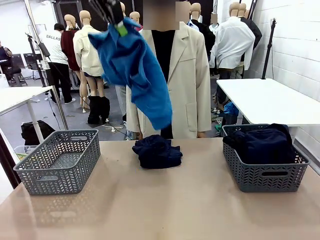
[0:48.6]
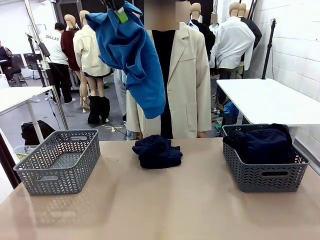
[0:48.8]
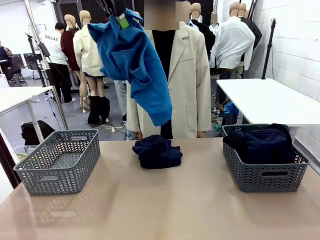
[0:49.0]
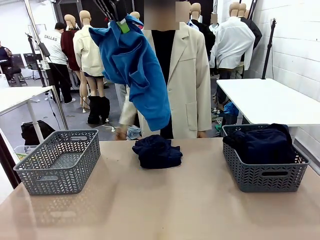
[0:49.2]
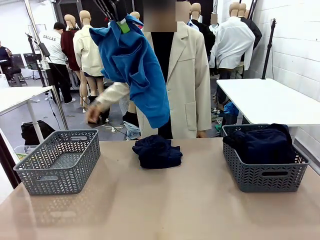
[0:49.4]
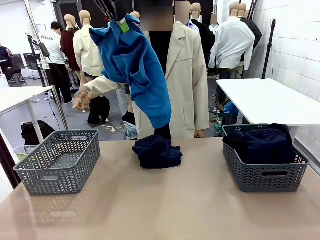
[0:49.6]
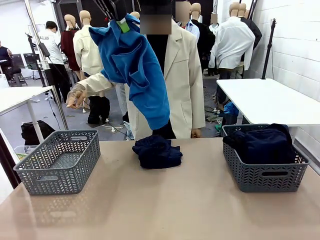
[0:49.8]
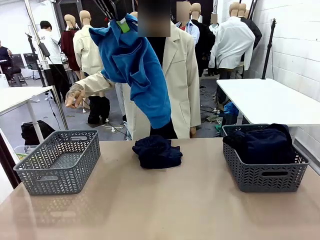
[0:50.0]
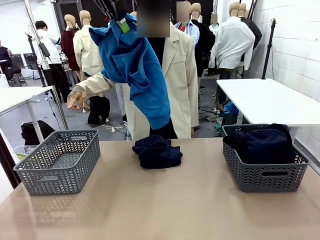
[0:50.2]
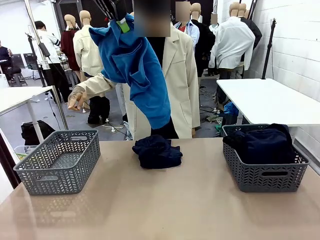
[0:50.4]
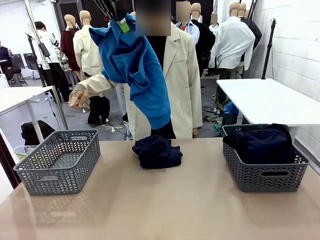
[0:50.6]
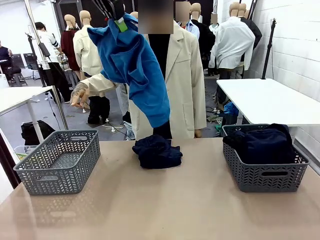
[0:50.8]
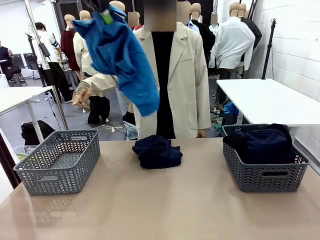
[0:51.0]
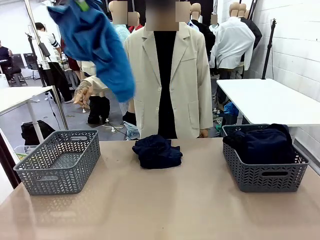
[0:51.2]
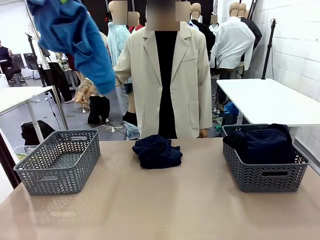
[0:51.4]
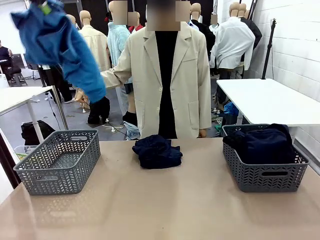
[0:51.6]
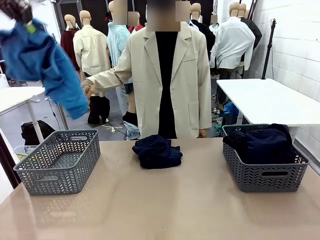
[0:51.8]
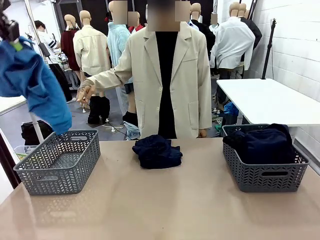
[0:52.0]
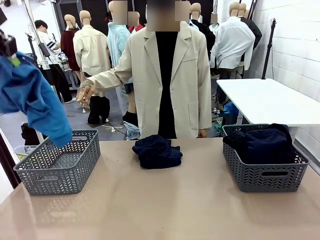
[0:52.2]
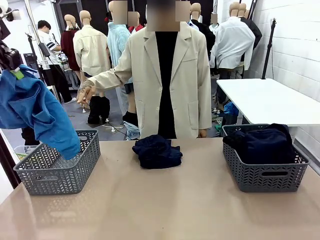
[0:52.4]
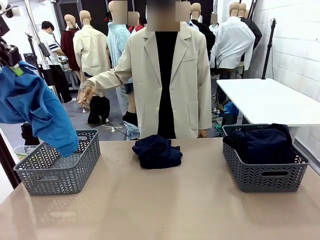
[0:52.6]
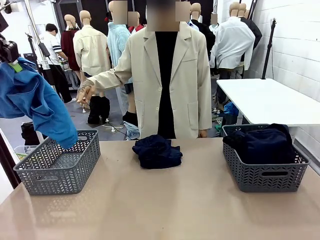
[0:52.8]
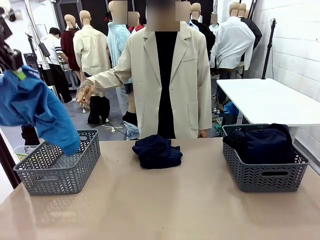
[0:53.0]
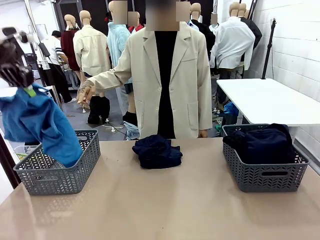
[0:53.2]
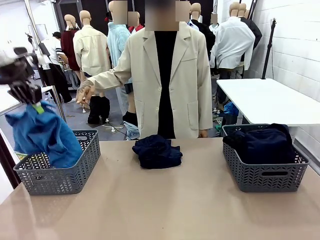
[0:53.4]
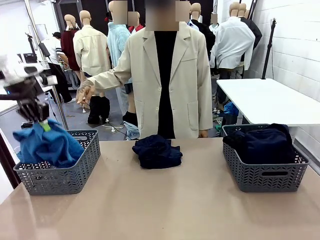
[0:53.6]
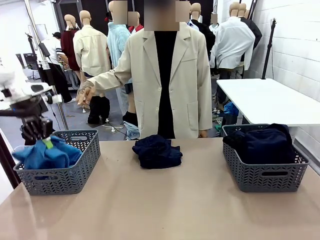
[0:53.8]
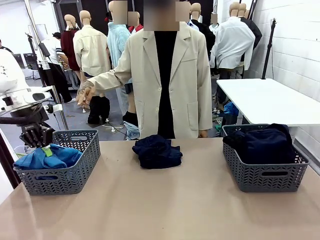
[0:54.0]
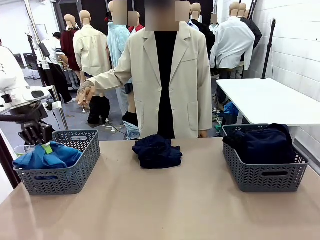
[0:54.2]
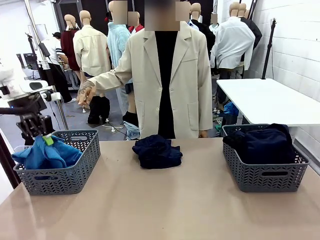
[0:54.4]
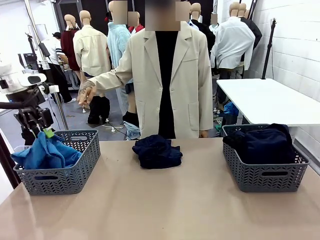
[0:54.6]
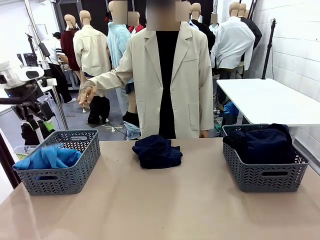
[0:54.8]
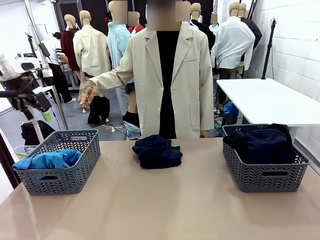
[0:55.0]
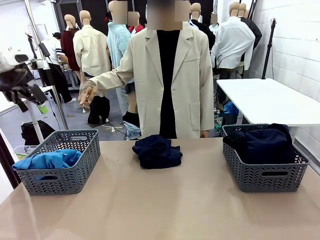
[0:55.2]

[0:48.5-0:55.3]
Task: Sort the tops and bottoms.
Robot: Sort the clothes according to human instructions.

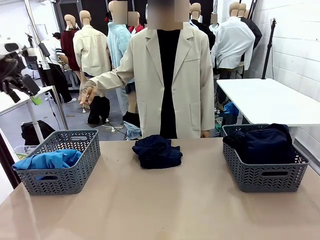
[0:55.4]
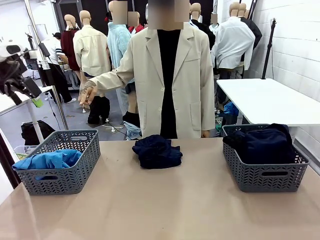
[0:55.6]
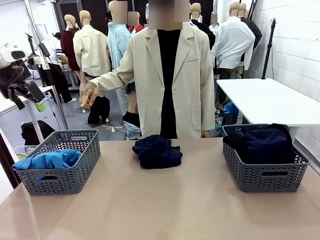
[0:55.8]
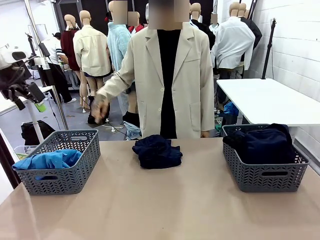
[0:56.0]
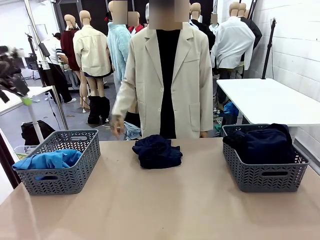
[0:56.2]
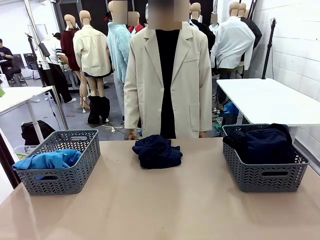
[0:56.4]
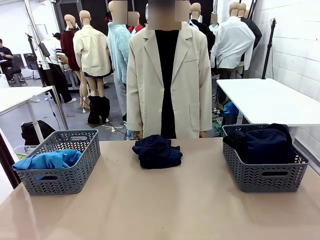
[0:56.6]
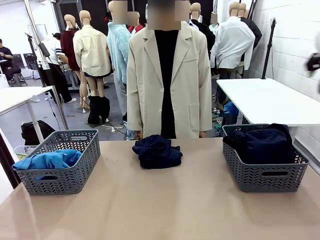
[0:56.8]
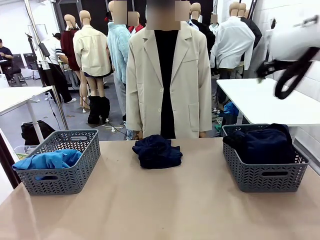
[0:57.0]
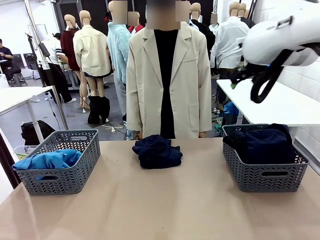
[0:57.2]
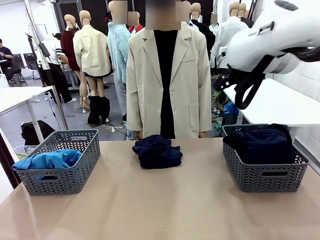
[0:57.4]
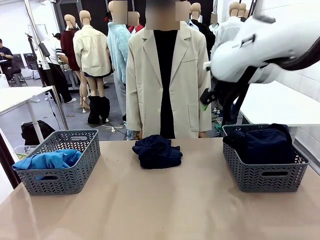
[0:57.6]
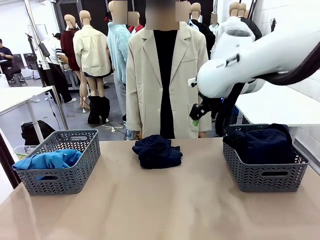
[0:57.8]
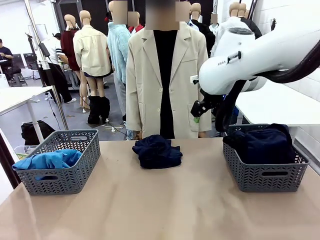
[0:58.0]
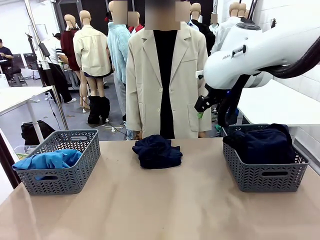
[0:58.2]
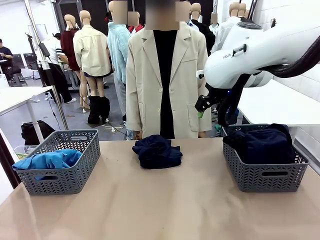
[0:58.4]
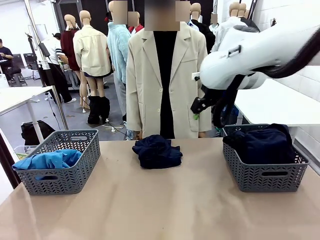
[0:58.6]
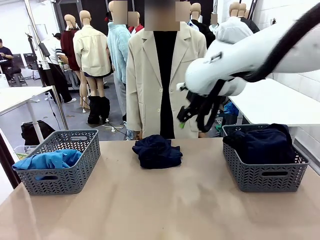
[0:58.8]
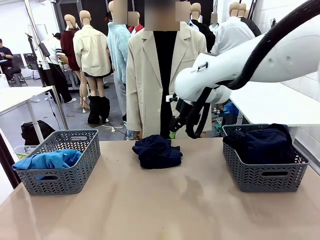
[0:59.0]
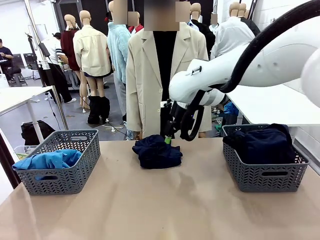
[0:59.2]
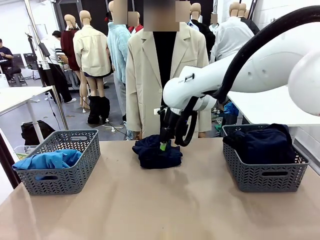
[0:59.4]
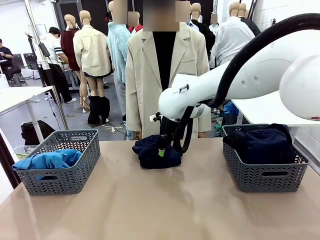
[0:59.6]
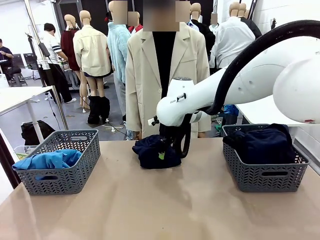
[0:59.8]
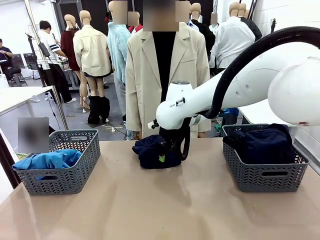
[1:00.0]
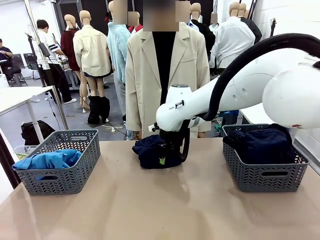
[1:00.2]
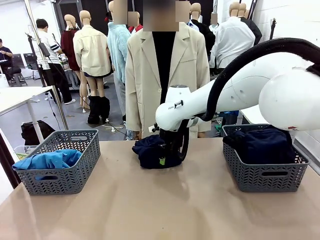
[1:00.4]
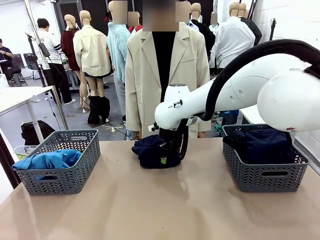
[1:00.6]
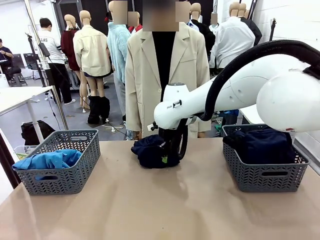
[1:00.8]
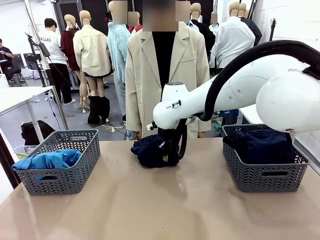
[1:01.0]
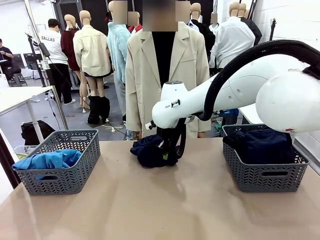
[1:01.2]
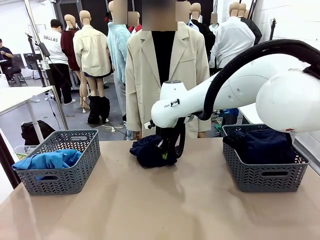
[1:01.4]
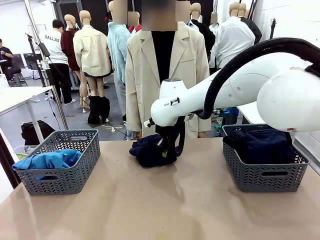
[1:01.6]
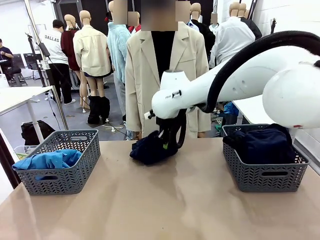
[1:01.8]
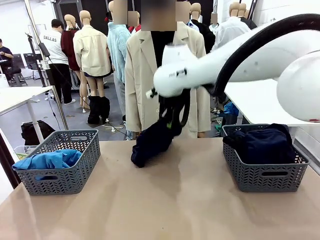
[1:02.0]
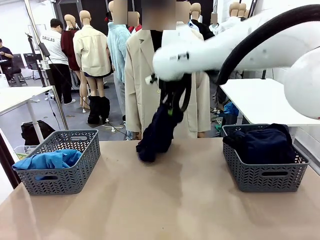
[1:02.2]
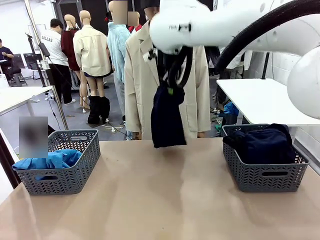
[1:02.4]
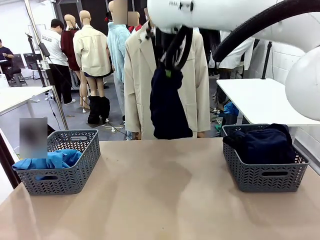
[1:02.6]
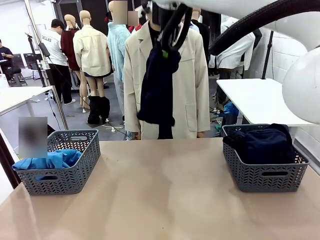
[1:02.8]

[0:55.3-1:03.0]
Robot: Lift clothes from the center of the table with your right hand.

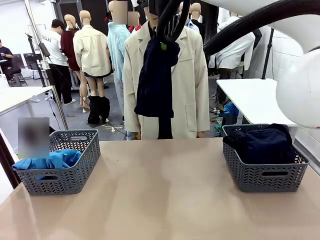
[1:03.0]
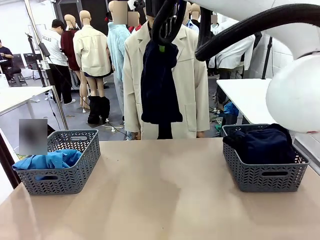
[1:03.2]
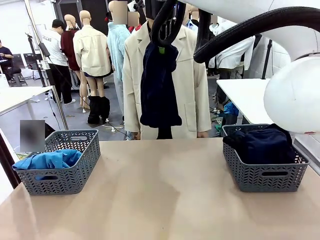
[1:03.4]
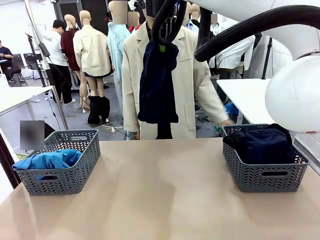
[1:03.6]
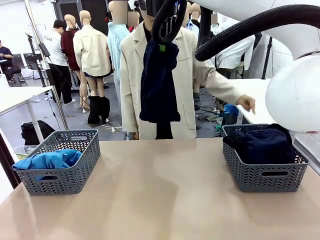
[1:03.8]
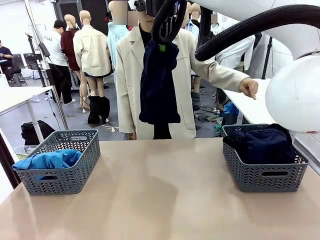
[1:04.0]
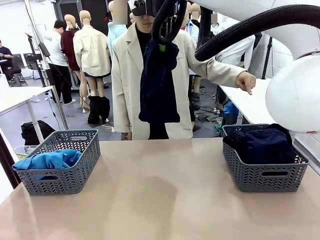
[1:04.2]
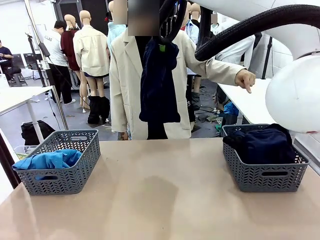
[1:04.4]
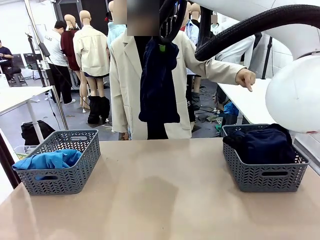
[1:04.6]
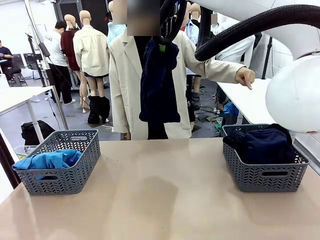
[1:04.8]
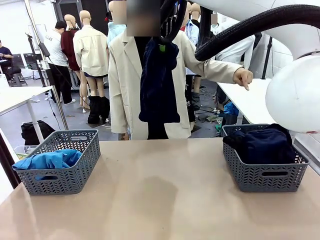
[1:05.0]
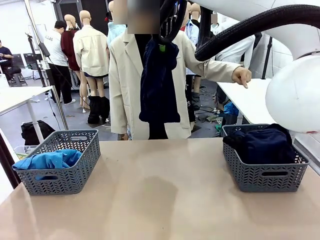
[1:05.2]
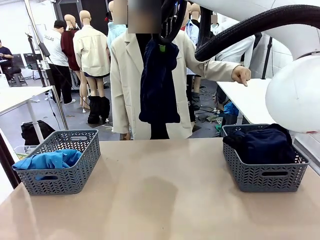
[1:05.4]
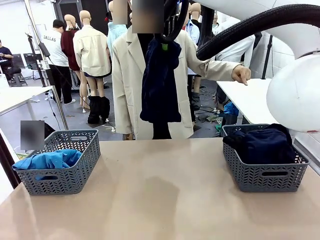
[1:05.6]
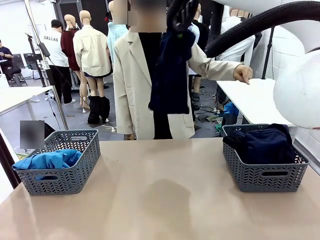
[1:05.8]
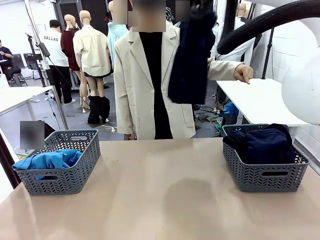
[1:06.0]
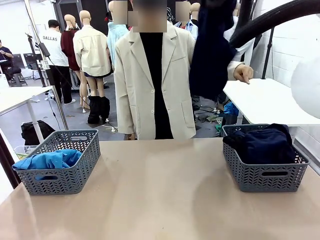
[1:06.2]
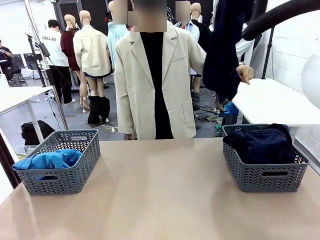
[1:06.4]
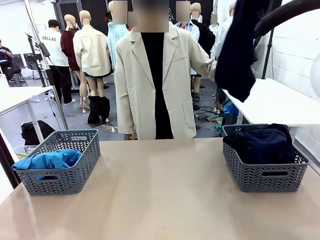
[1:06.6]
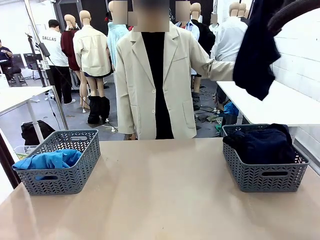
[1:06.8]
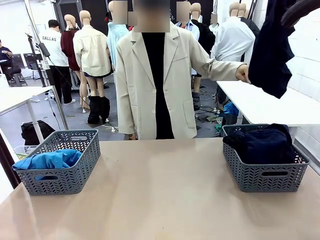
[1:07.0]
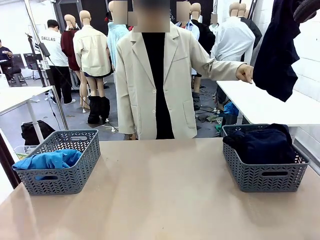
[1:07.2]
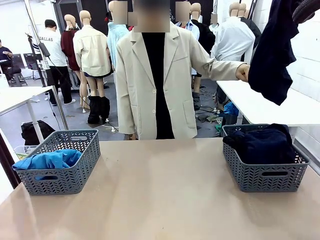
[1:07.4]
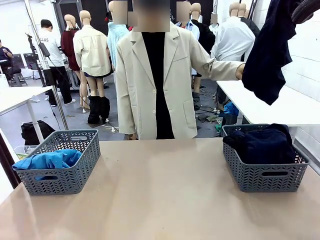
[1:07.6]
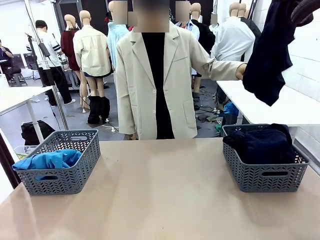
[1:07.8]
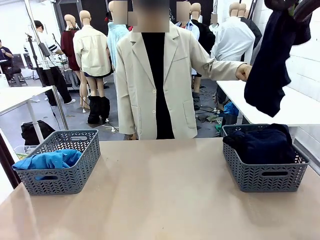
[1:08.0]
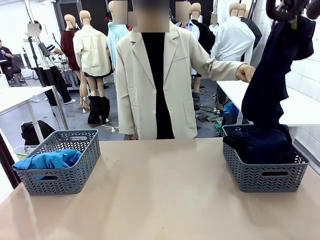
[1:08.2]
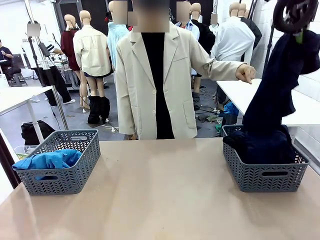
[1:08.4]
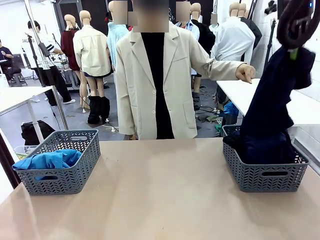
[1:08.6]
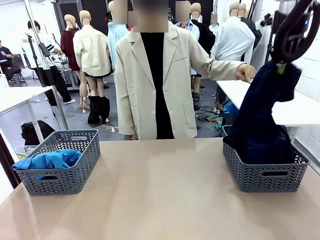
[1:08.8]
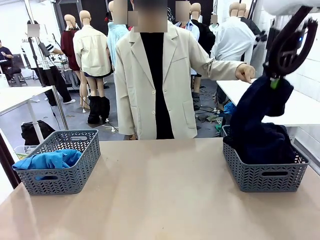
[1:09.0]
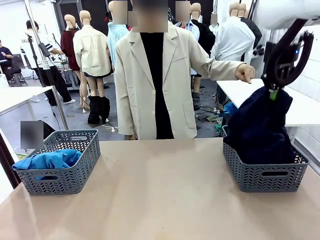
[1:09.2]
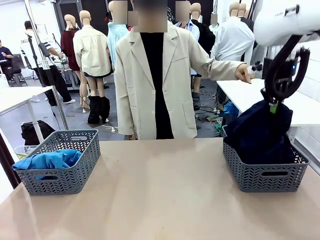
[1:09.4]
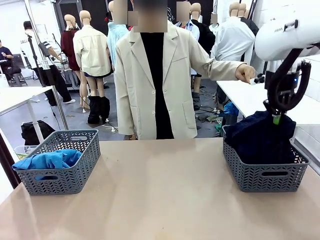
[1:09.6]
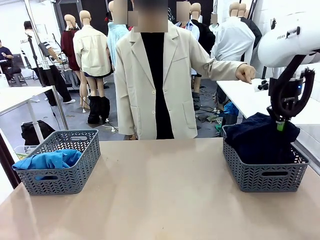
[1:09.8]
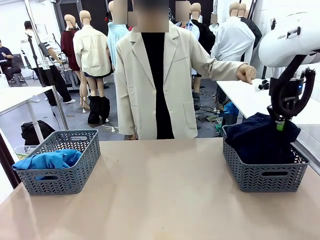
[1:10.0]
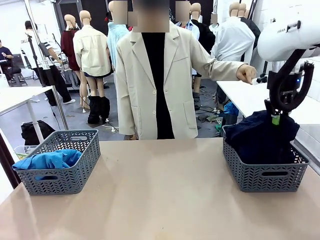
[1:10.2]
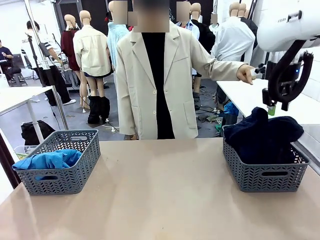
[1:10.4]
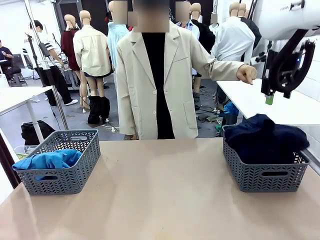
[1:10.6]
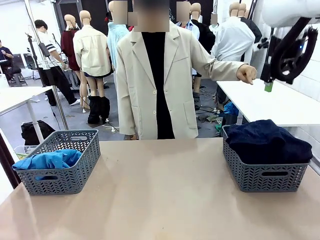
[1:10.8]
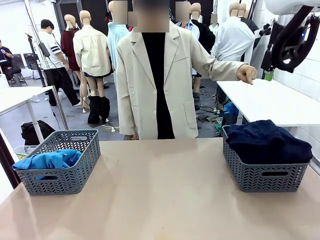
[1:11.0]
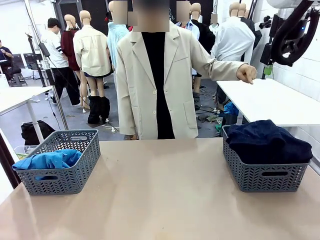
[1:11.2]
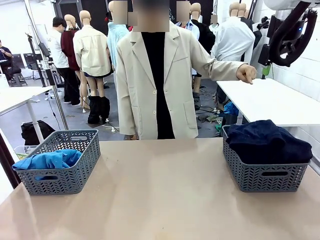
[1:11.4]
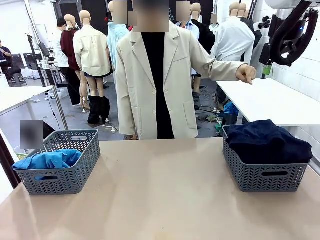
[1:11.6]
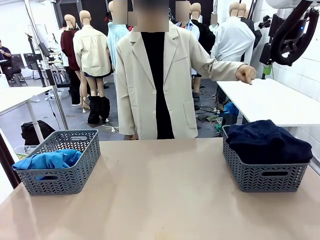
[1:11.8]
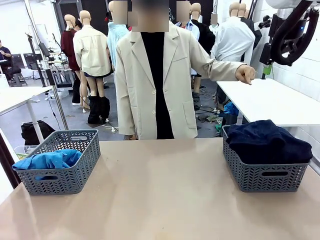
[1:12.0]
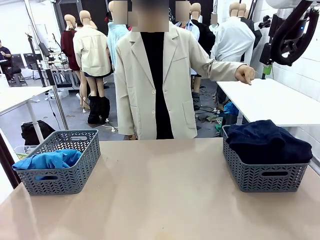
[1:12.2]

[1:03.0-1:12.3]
Robot: Sort the clothes according to human instructions.
